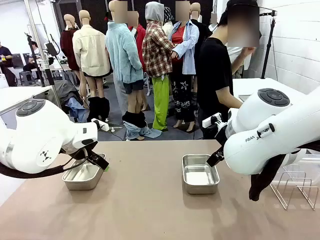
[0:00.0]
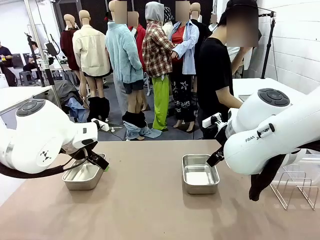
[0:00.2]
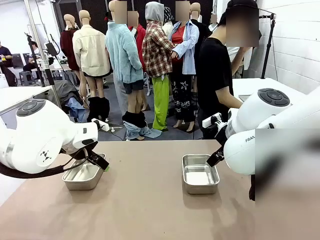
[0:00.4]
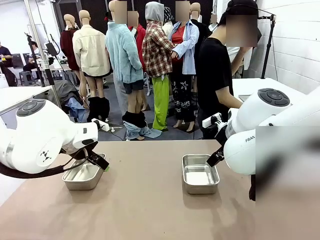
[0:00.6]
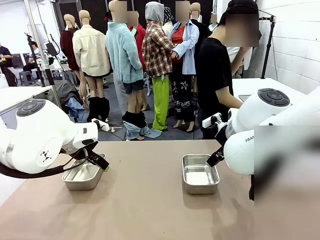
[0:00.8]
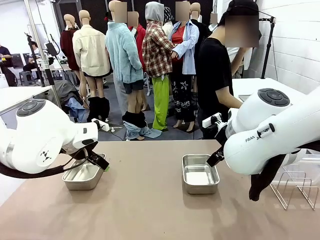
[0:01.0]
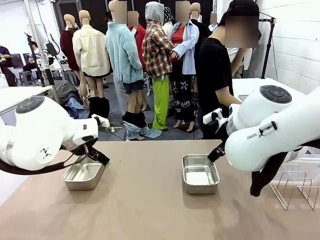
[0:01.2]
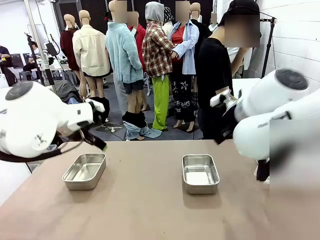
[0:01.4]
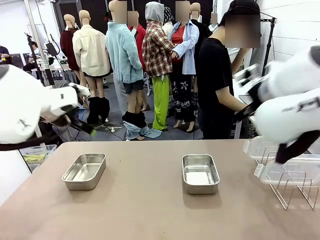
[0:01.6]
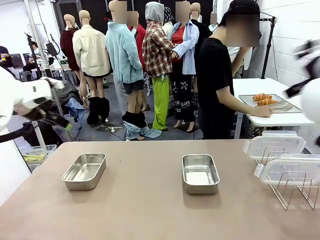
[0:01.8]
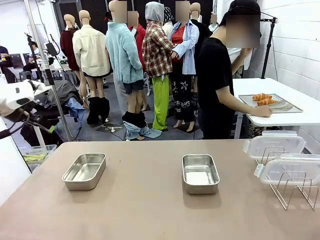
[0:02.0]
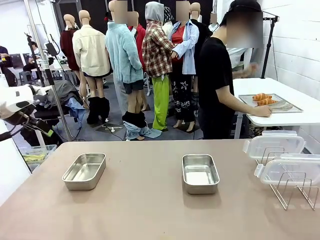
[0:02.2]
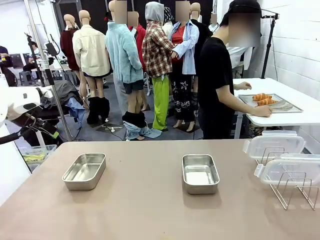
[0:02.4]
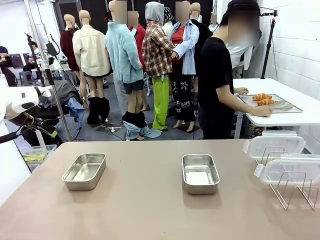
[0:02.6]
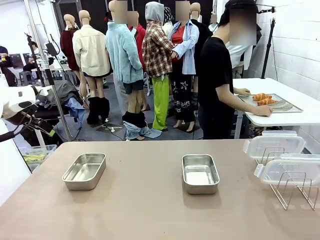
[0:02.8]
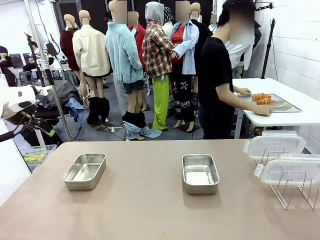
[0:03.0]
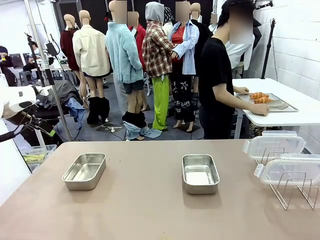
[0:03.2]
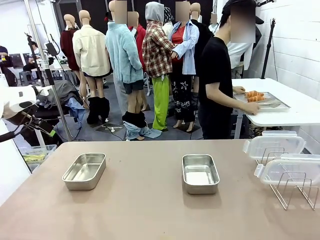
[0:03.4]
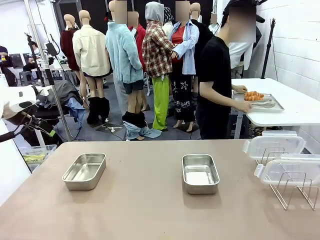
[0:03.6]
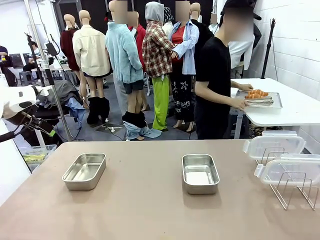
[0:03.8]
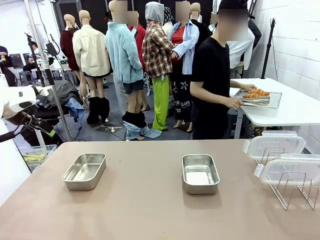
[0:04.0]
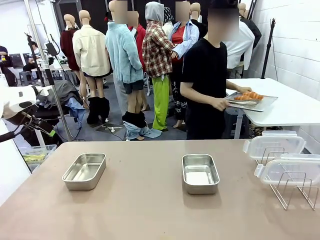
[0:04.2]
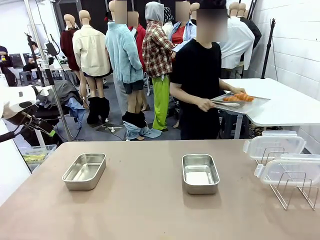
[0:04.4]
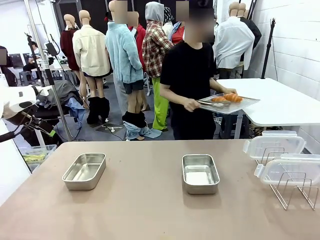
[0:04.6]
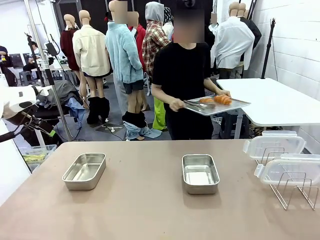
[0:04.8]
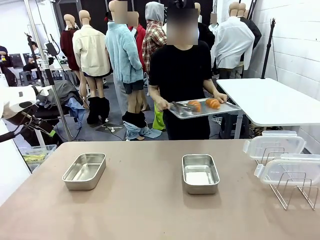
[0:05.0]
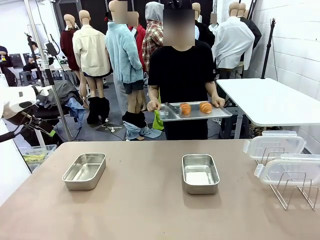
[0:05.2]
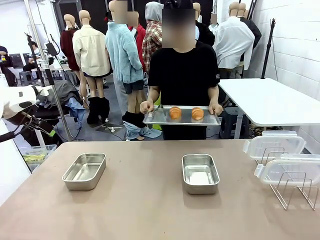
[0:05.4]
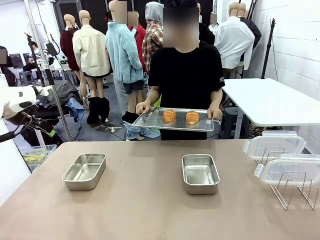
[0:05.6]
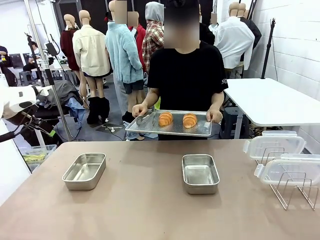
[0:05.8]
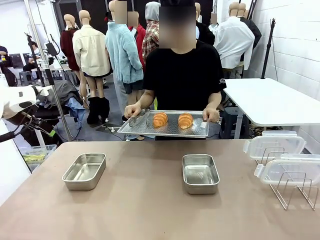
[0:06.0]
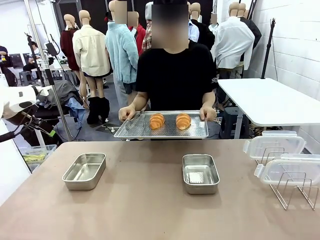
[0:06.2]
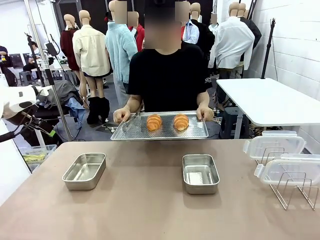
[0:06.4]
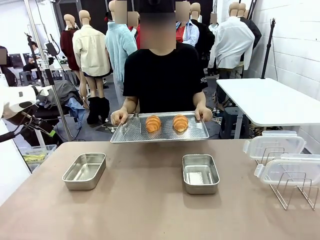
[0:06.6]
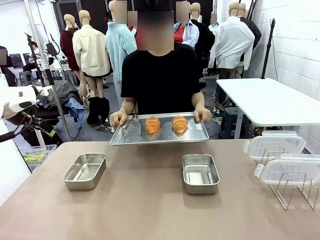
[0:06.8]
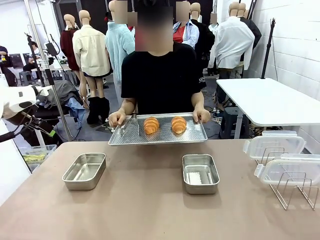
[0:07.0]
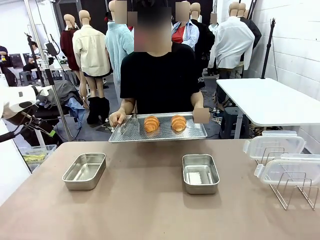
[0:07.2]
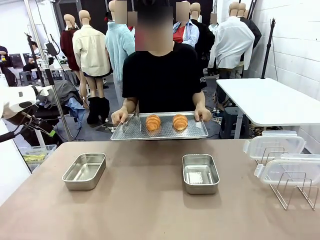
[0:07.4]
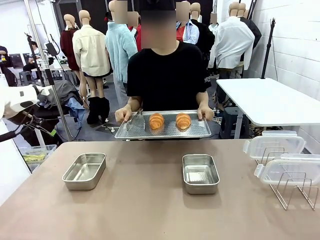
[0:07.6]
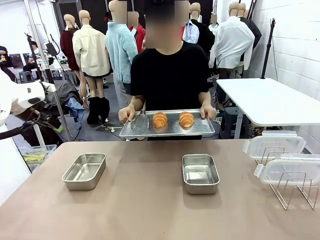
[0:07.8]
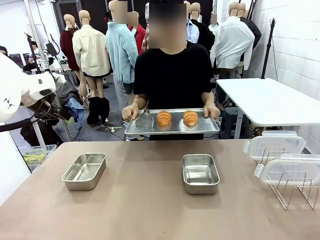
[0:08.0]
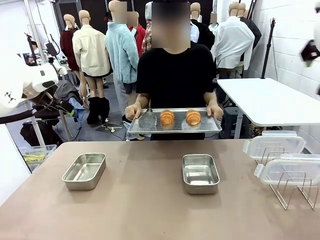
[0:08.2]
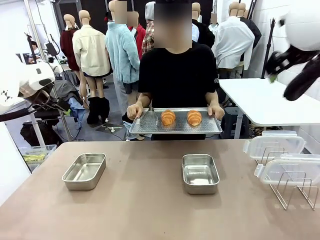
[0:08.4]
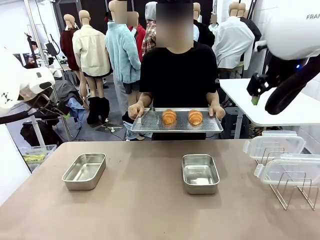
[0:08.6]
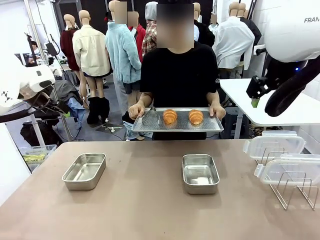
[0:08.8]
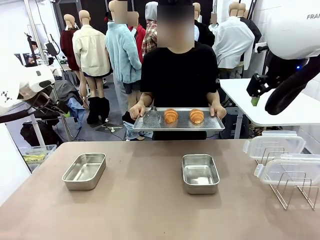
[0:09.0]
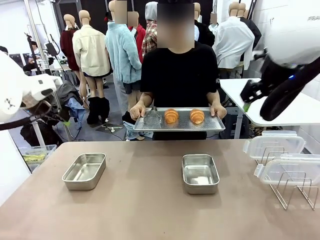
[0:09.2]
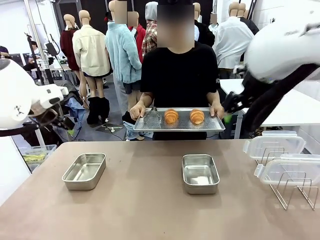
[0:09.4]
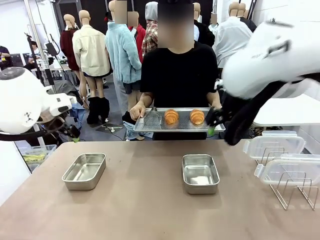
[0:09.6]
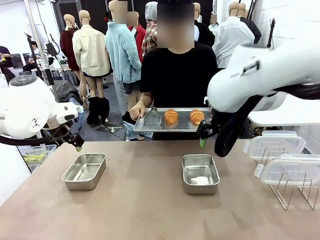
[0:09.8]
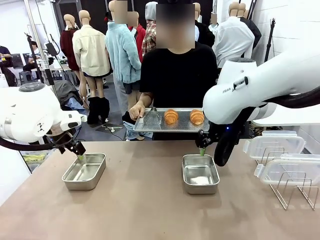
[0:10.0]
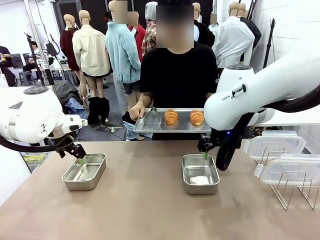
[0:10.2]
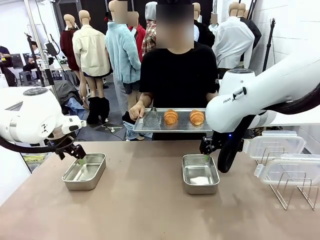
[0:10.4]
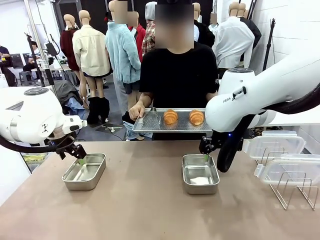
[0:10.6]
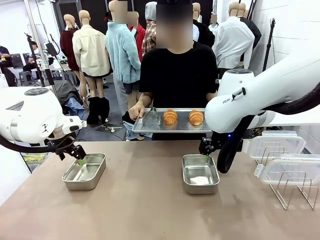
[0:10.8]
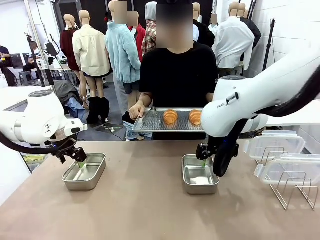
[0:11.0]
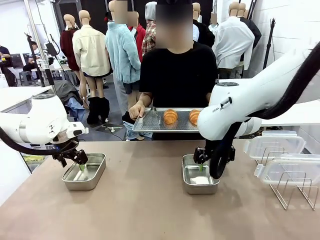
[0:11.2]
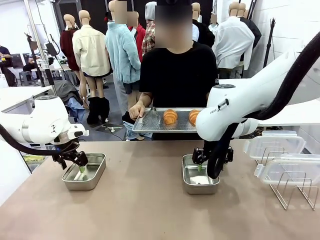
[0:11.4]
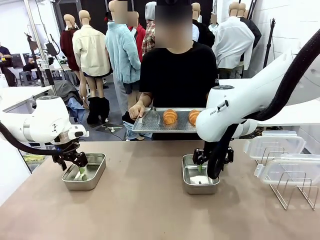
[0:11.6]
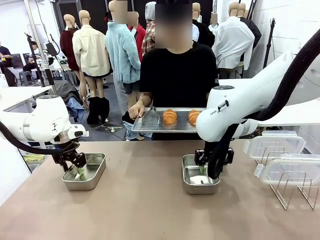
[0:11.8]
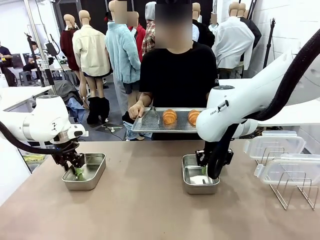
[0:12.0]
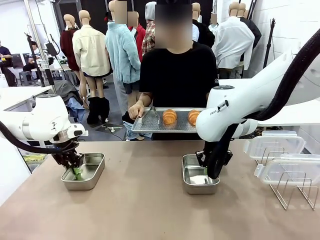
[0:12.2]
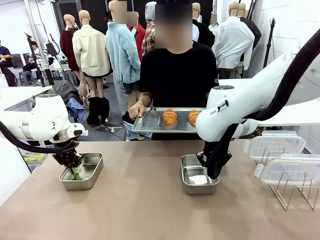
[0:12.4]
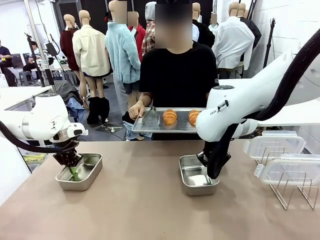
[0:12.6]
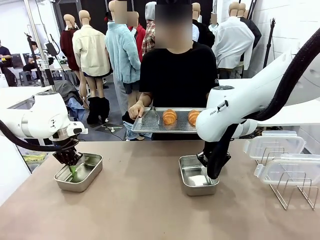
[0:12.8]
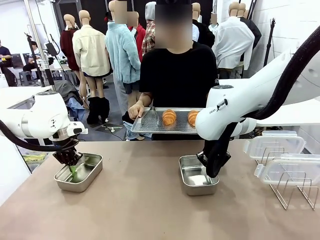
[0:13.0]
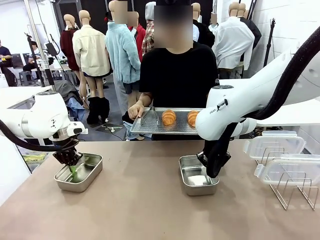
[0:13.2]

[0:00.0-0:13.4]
Task: Place the bread in airtight containers.
Robot: Lift both Airtight Container.
Person: Bring the Baking Sheet in front of Robot's Table.
